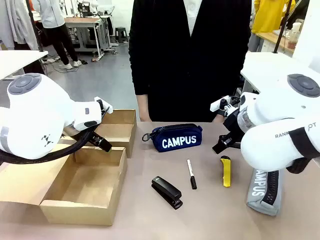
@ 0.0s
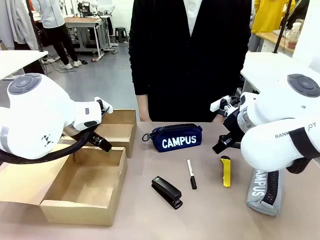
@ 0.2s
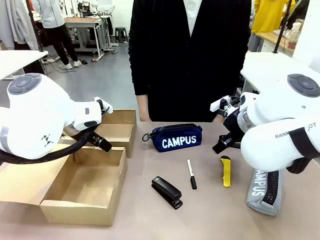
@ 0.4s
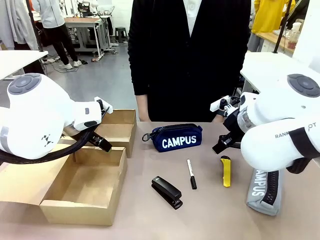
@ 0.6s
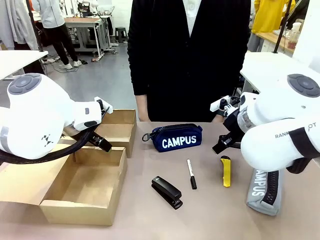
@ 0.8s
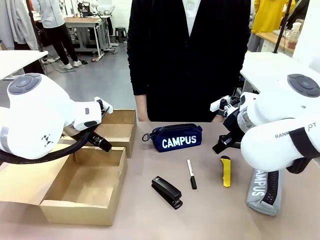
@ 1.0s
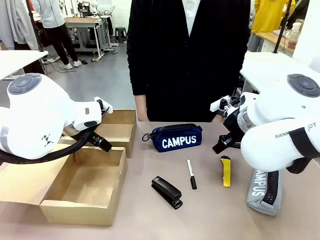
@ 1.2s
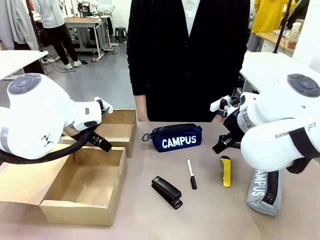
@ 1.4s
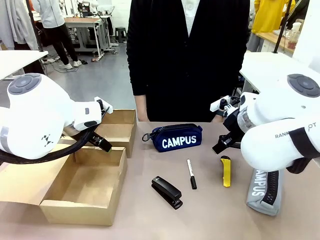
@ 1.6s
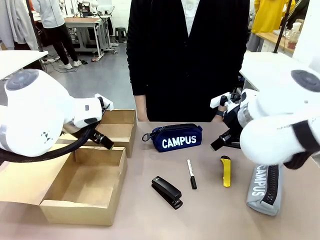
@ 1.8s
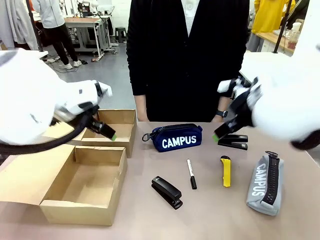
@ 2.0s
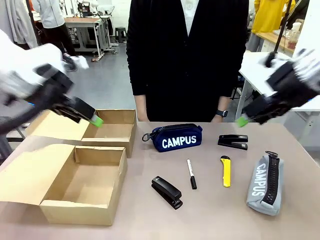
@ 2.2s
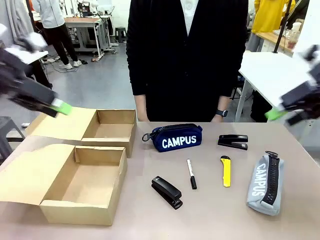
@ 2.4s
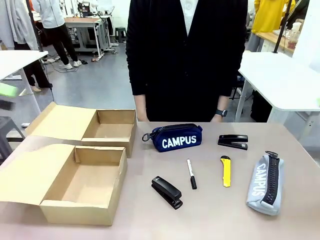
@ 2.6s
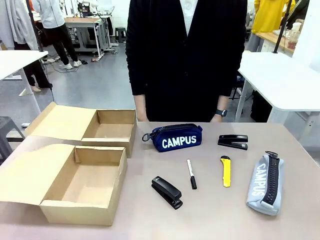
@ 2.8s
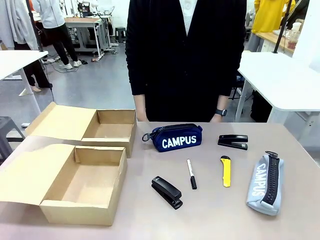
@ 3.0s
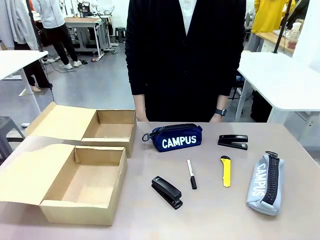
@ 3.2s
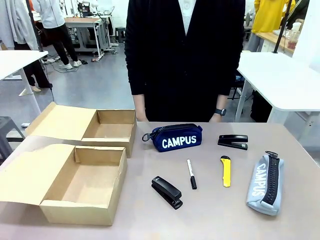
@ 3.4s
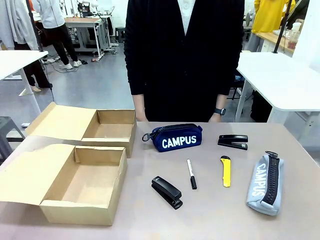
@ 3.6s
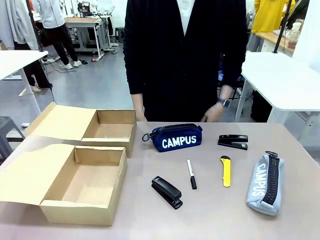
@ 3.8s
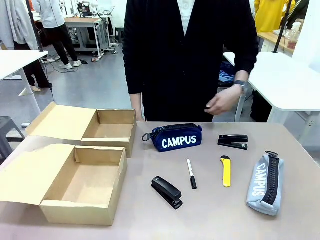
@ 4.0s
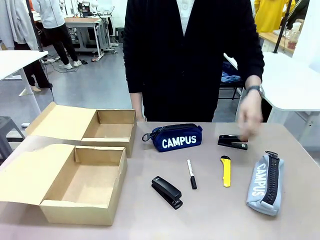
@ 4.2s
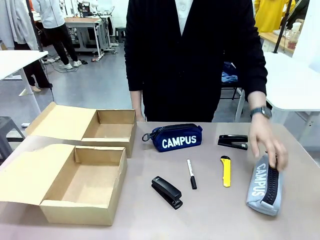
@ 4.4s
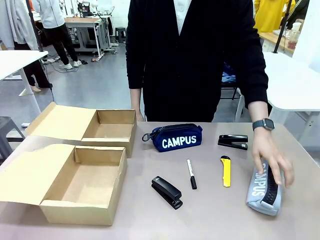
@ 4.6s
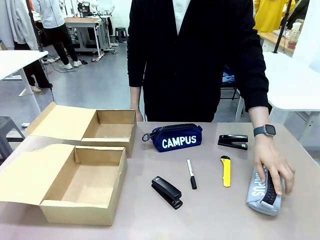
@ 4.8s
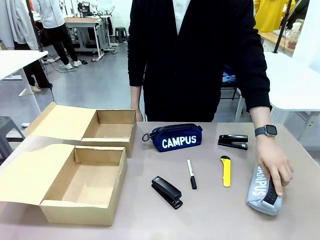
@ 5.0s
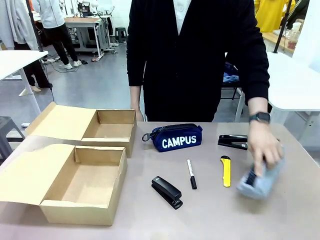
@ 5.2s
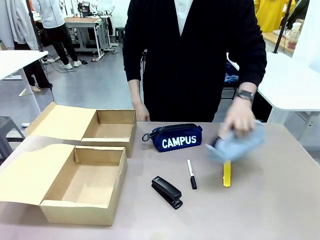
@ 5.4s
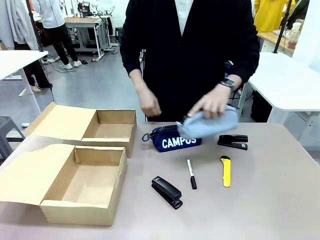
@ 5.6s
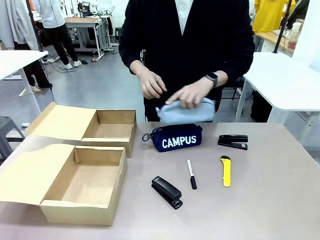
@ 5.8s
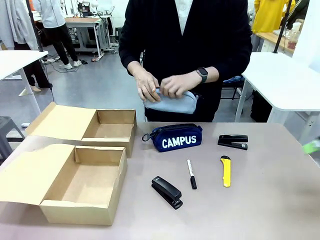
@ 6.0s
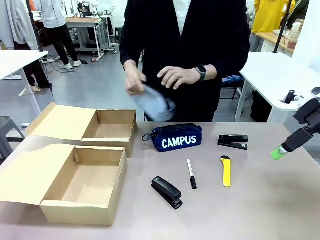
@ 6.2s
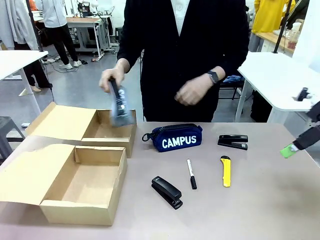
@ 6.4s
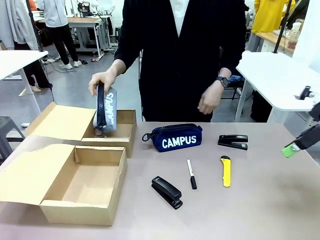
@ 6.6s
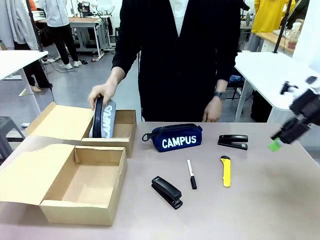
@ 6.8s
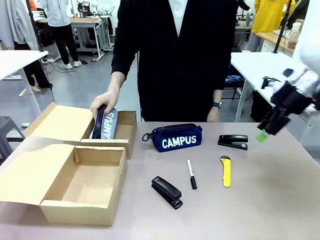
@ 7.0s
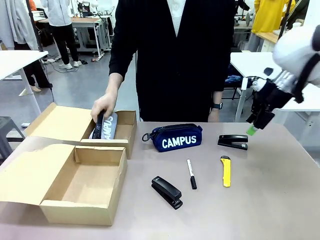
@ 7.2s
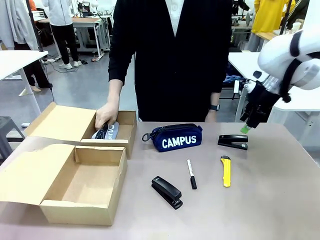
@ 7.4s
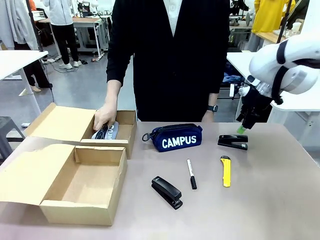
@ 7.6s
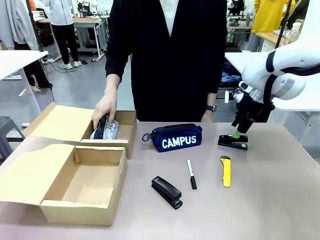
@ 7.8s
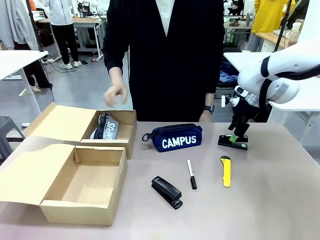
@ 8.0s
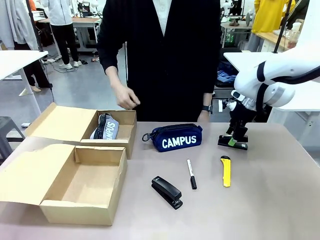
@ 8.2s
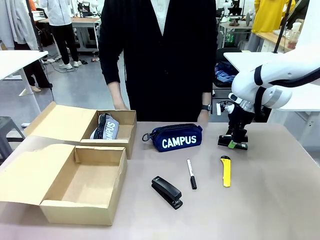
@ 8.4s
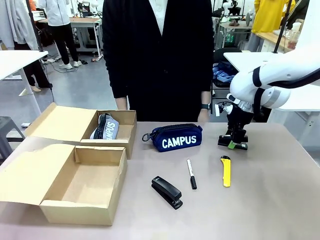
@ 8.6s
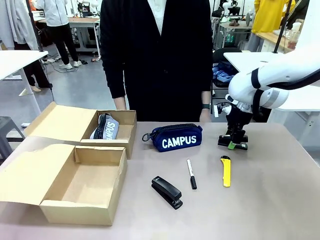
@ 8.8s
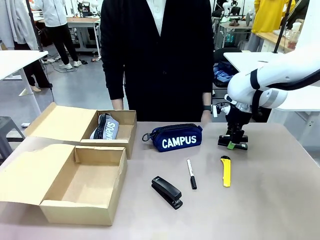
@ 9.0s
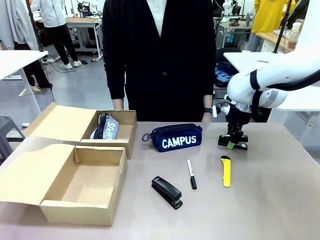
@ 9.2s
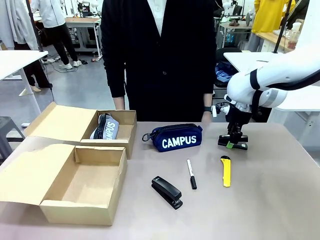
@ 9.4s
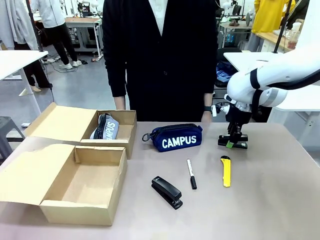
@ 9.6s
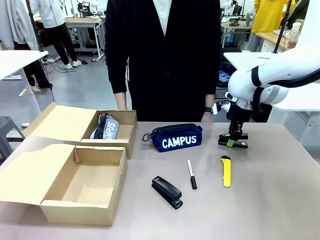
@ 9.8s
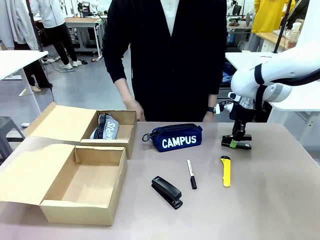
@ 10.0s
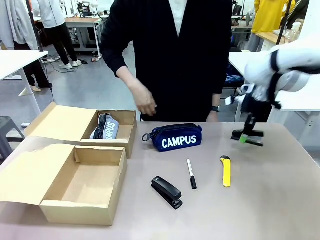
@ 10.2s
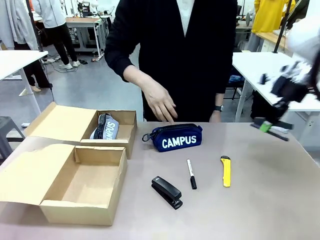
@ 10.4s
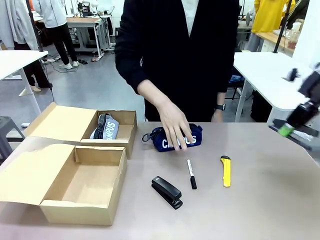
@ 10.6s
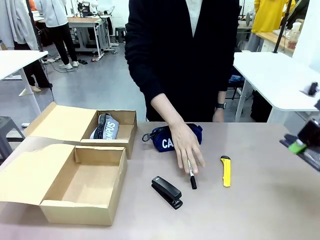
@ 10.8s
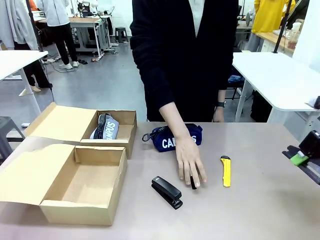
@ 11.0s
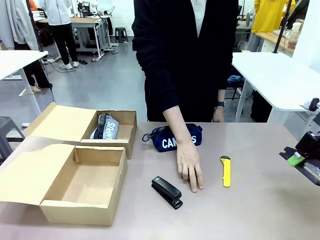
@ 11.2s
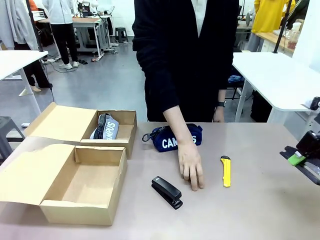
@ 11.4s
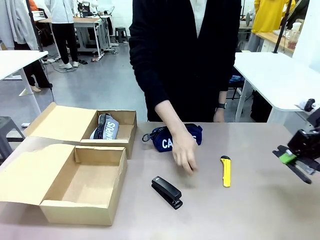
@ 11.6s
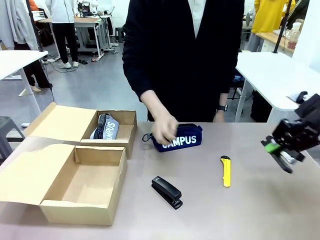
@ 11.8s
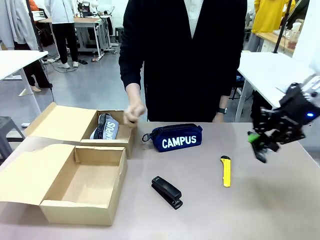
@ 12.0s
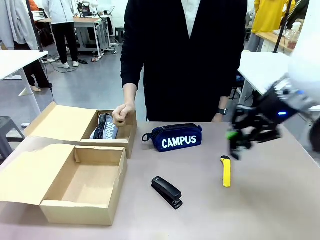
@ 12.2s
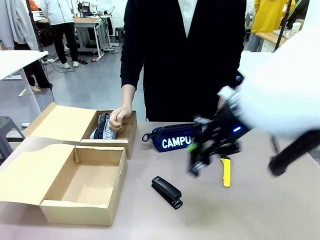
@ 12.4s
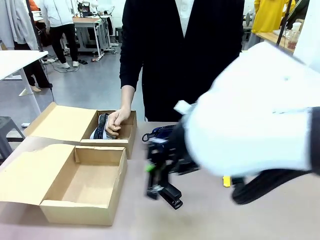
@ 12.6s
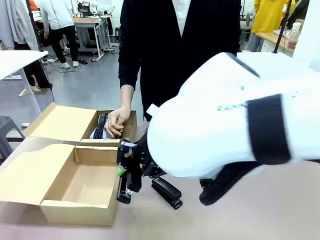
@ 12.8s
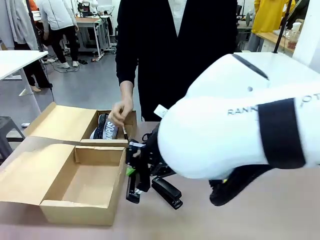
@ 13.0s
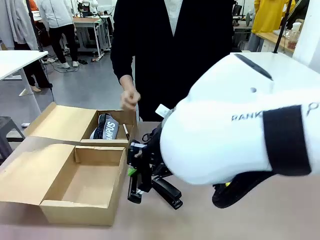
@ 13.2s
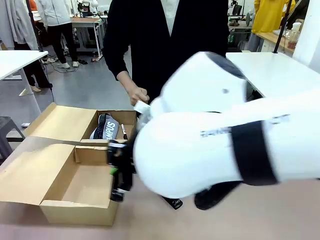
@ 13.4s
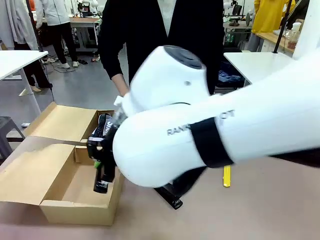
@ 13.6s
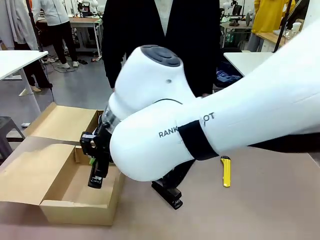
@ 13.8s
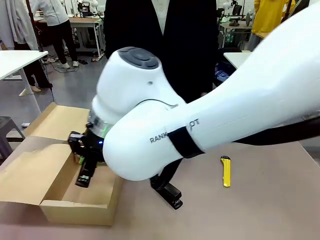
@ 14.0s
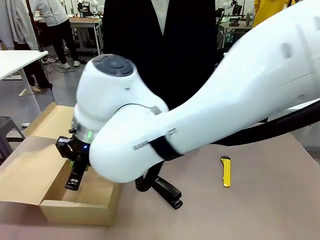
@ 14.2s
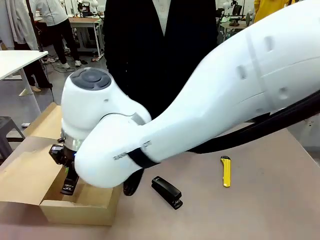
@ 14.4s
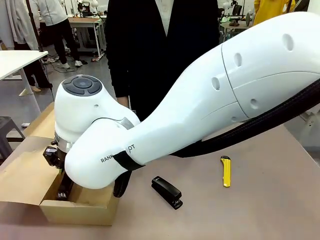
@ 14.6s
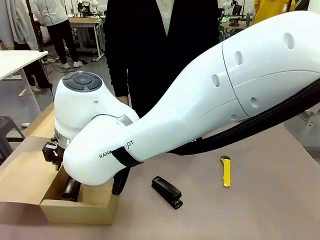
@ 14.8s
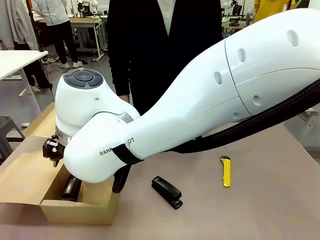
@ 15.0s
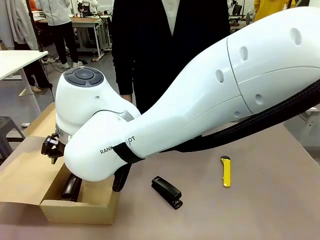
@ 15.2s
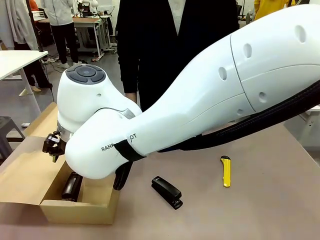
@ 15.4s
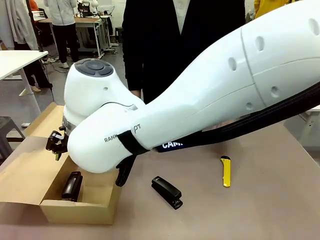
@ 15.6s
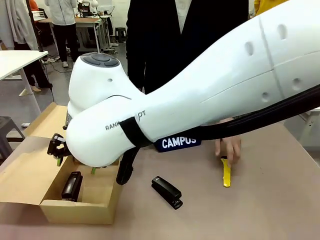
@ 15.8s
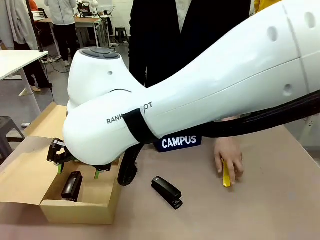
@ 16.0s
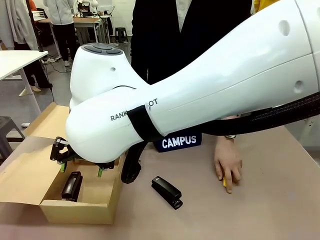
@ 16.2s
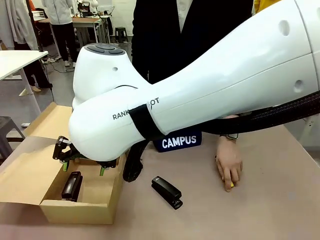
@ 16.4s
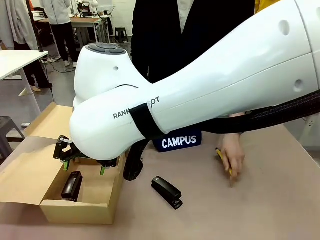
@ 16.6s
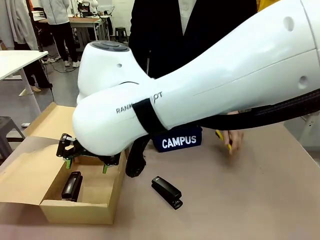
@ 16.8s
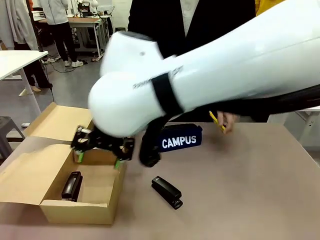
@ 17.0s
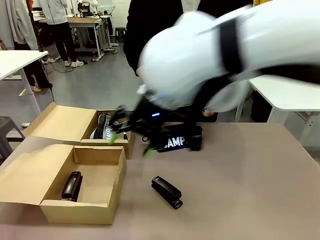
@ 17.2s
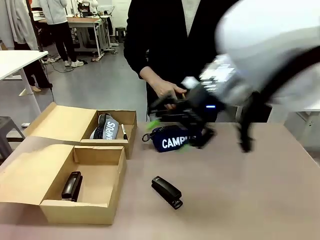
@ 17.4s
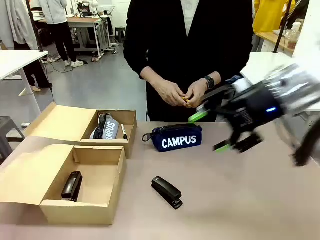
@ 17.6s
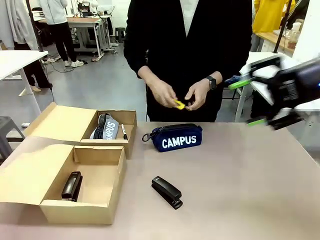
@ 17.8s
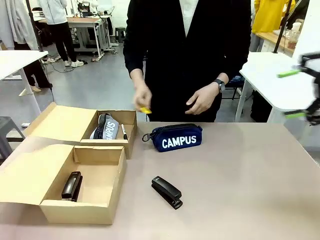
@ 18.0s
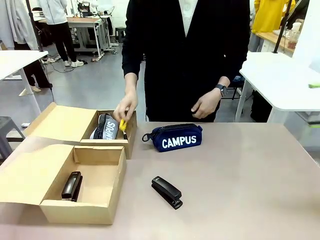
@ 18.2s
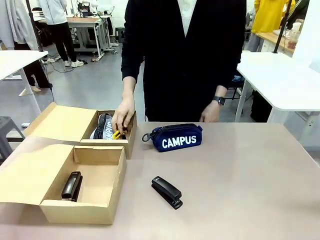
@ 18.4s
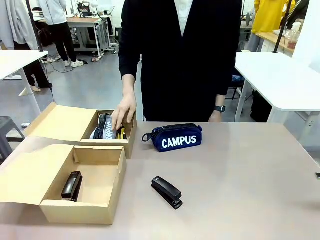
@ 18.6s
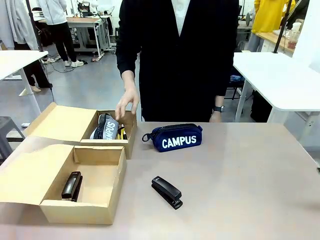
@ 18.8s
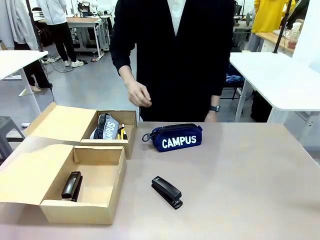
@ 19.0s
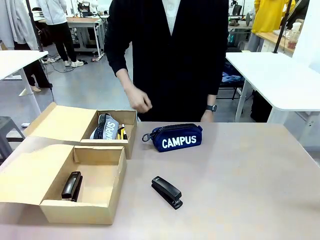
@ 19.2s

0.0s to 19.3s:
Task: Place items inside the box.
Robot: Pick up a Pencil pouch or Stapler and place it inside the Mailer Box closest to the robot.
Person: Pick up an object on the table and put it in the box.
